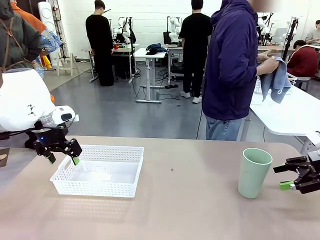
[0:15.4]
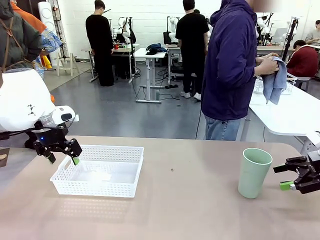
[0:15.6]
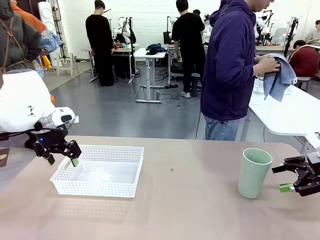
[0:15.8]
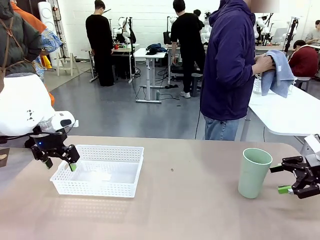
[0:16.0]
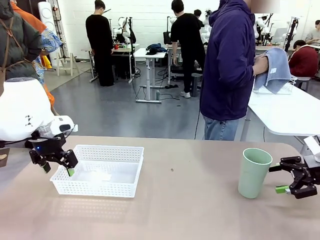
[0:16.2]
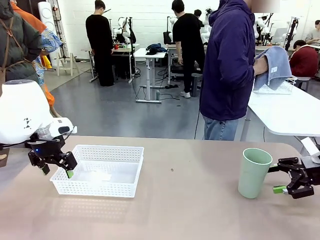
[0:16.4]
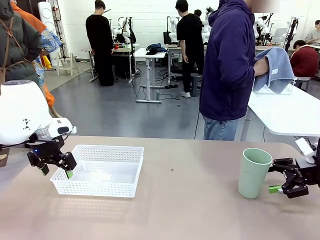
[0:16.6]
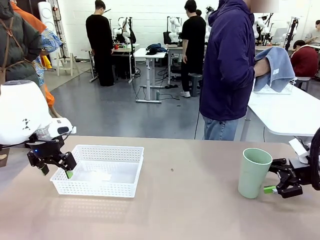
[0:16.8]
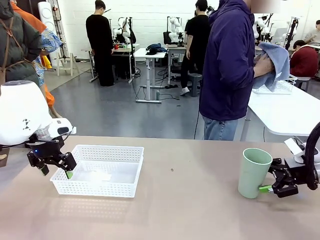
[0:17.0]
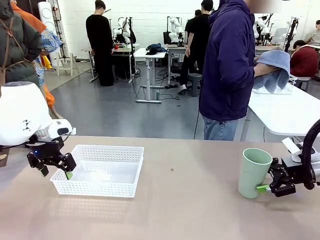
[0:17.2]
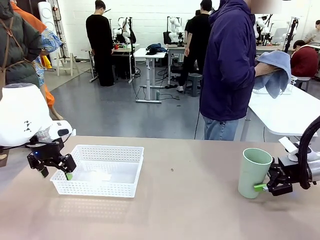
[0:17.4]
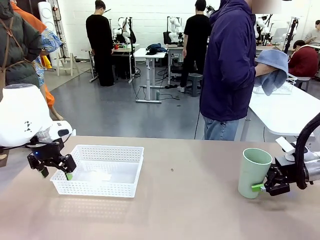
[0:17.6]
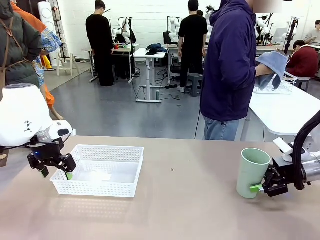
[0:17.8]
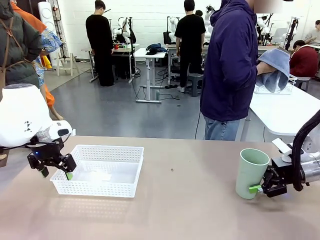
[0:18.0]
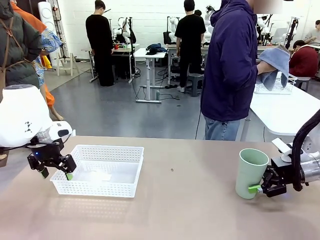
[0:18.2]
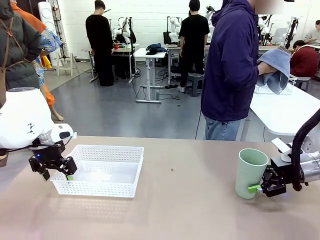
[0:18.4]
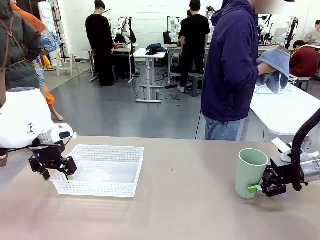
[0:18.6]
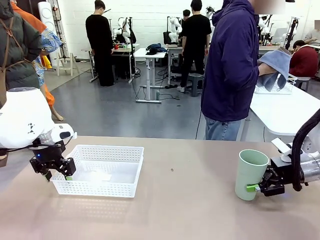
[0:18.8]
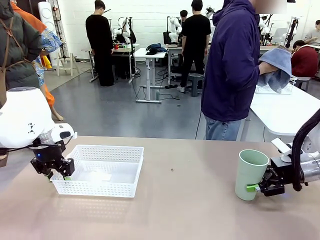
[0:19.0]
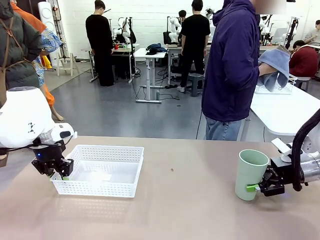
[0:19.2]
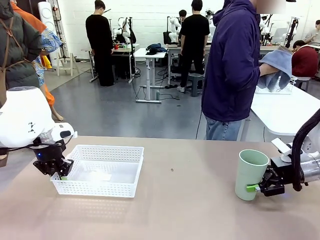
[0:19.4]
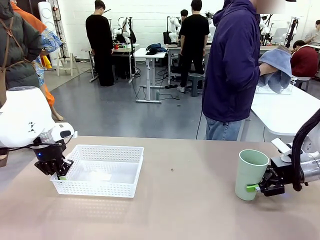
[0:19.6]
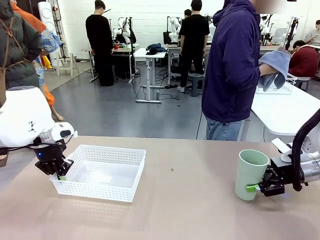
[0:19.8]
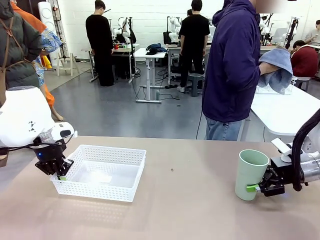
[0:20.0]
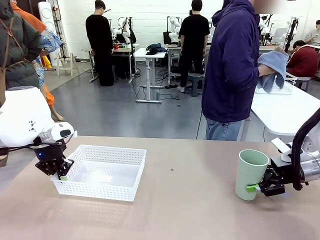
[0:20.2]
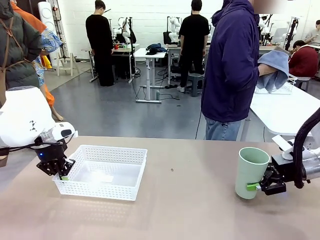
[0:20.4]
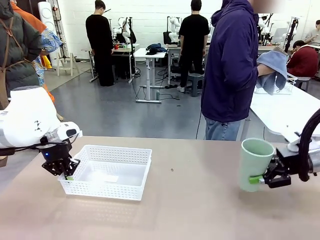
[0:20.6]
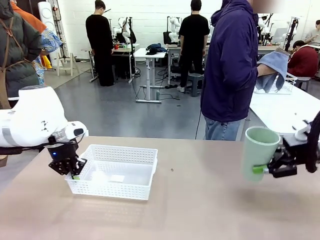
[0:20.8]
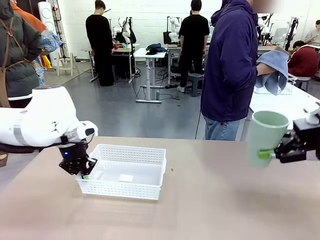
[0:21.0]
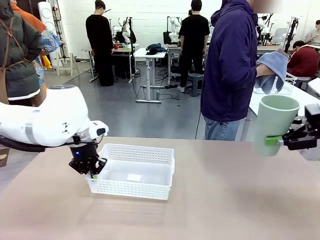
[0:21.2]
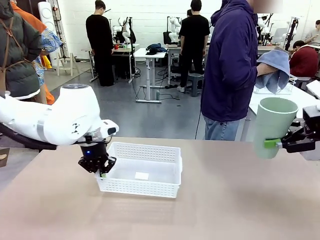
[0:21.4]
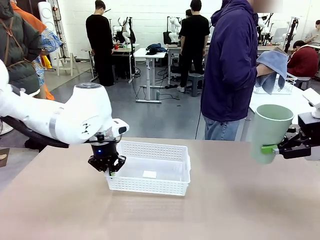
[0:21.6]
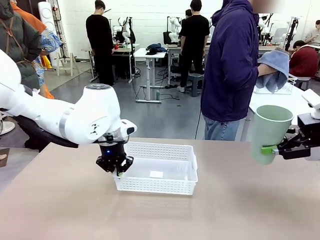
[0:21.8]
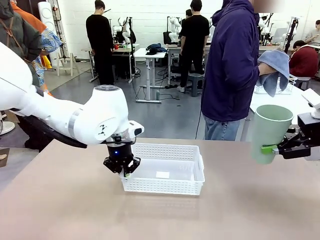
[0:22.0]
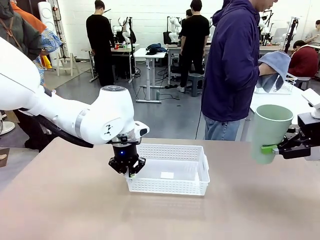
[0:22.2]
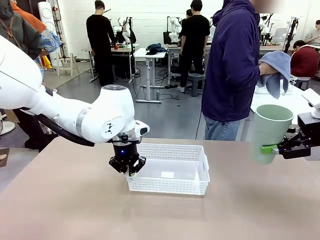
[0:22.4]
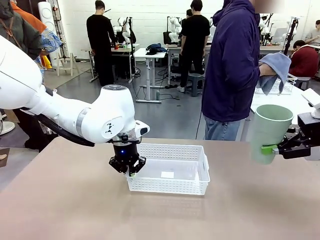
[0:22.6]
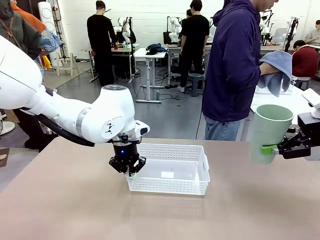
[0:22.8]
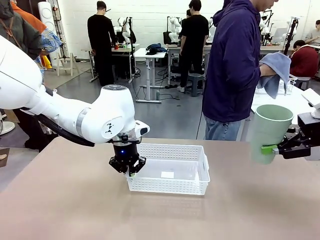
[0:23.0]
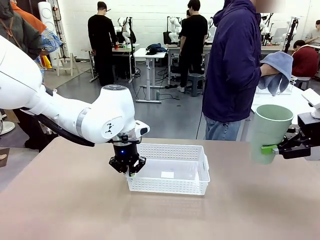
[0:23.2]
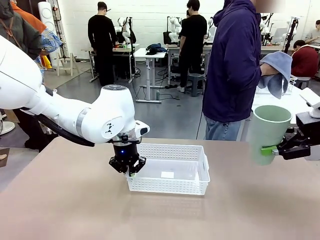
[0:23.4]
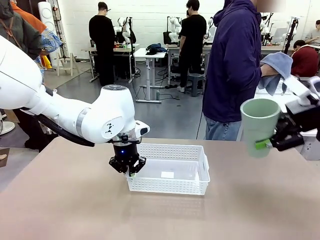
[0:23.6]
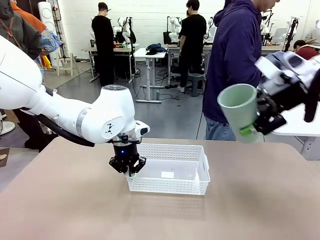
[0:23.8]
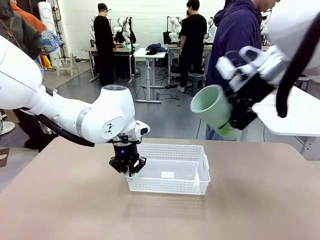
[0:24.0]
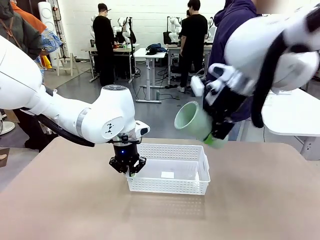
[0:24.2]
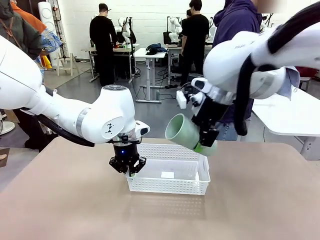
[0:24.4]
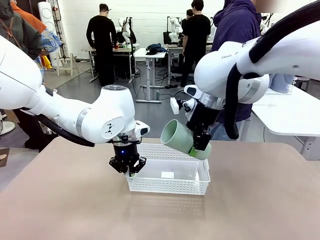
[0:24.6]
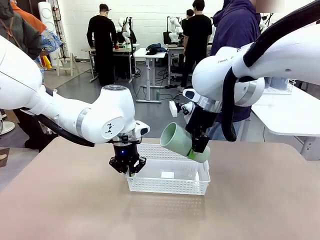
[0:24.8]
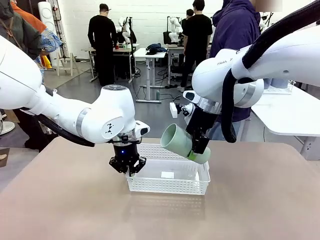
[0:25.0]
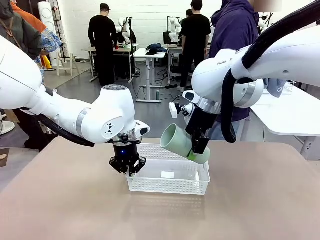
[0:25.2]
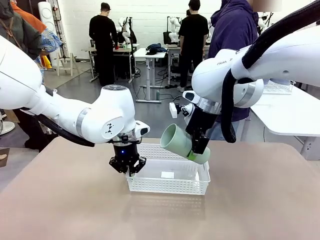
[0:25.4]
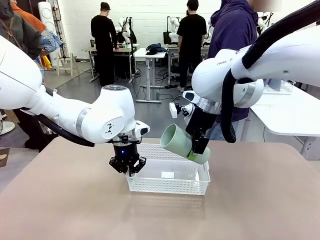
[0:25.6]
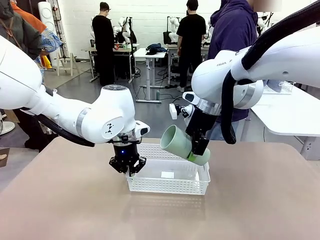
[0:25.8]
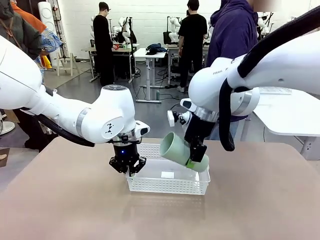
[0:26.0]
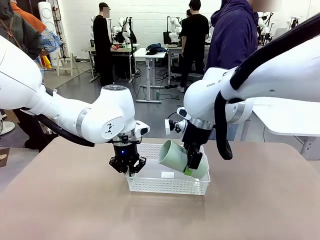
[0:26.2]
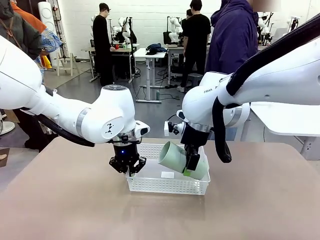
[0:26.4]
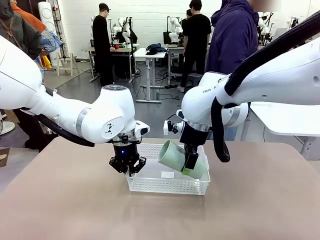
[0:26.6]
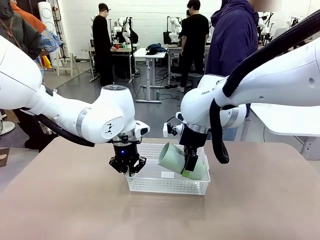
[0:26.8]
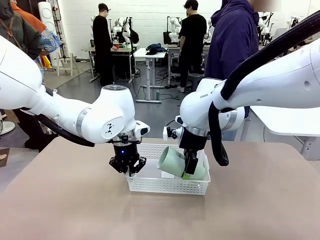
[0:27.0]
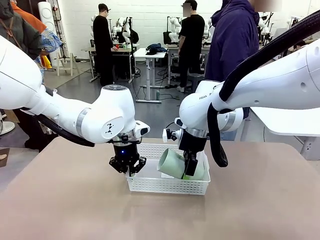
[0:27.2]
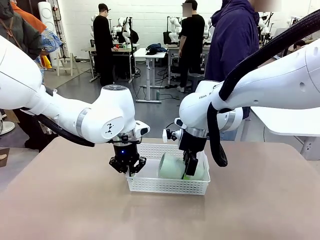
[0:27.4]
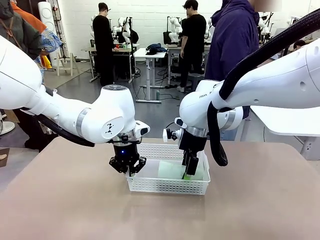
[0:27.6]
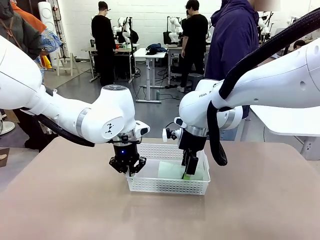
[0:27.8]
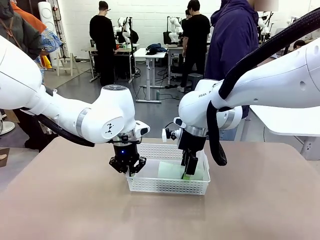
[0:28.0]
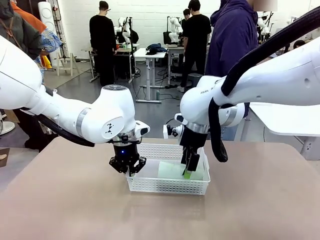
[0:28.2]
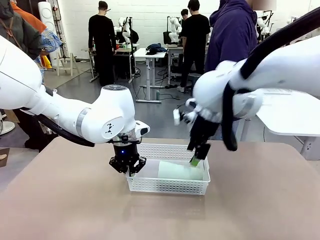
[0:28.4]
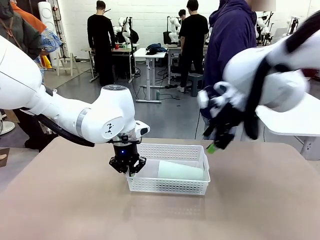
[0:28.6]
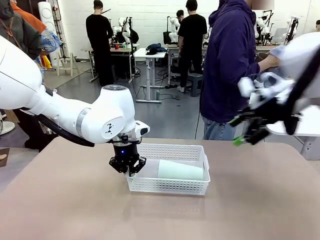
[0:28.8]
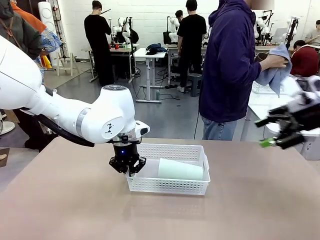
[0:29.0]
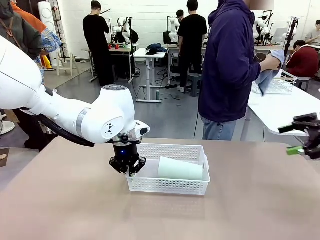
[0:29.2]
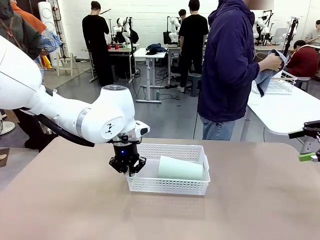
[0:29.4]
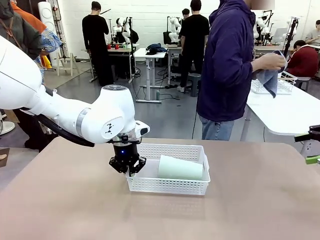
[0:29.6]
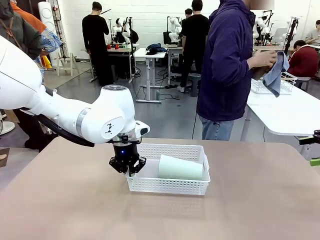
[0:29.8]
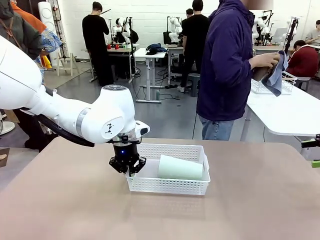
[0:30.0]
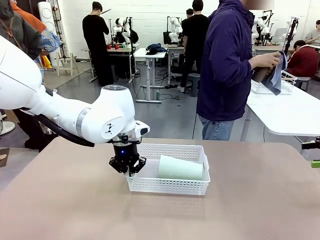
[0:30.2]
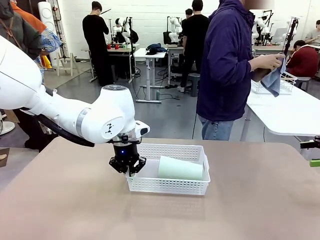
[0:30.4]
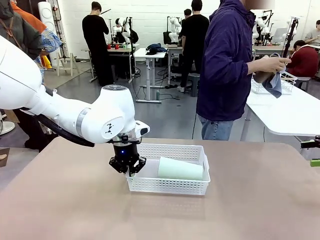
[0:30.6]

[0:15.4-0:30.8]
Task: Clean and organize the cups into the basket.
Robot: Pick up the Organizing basket and move it to the center of the table, then pick up the Reusable plastic cup from the right side of the table and place it inside the Organizing basket.
